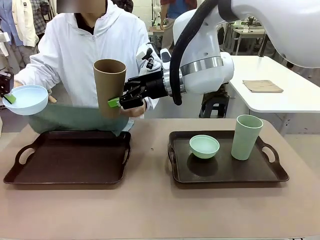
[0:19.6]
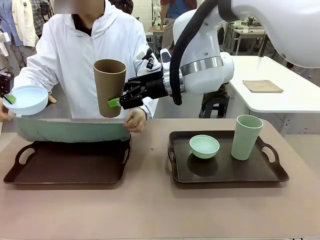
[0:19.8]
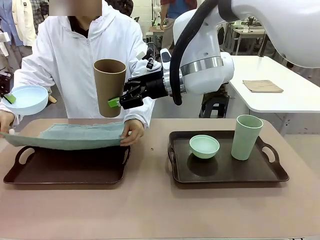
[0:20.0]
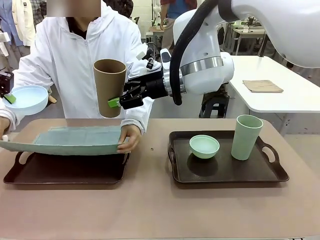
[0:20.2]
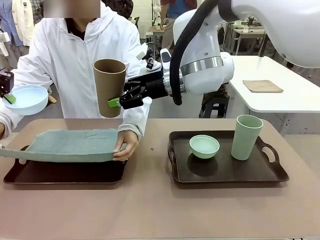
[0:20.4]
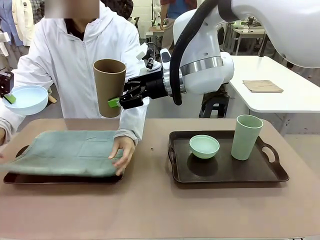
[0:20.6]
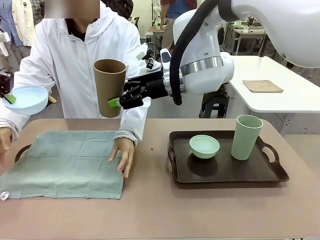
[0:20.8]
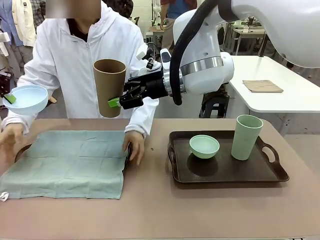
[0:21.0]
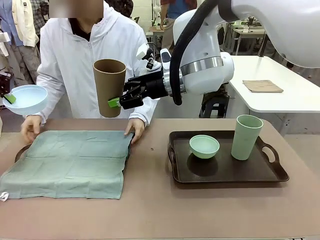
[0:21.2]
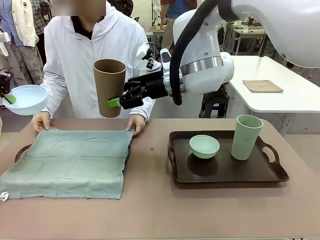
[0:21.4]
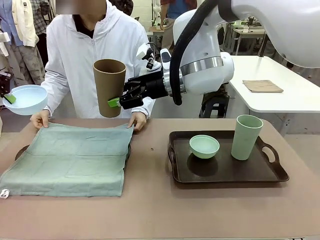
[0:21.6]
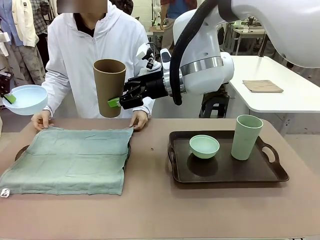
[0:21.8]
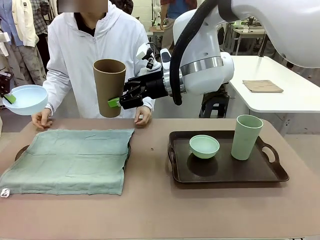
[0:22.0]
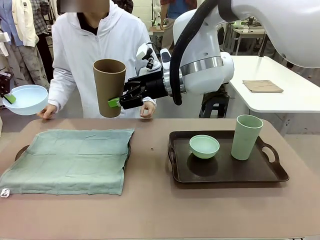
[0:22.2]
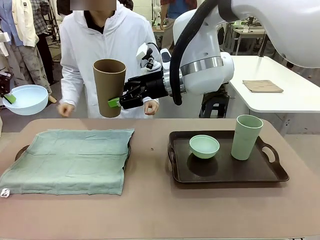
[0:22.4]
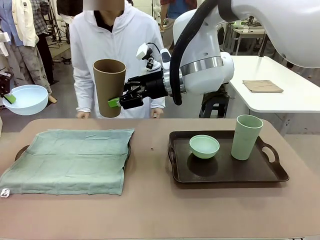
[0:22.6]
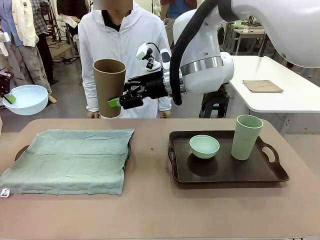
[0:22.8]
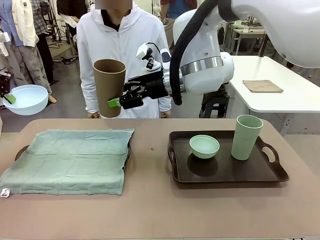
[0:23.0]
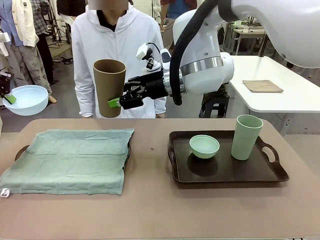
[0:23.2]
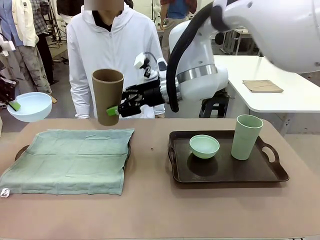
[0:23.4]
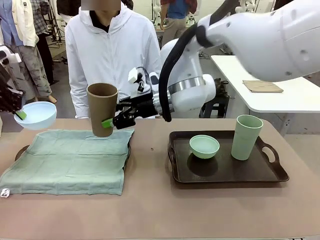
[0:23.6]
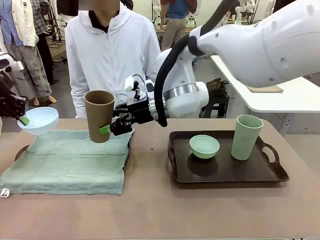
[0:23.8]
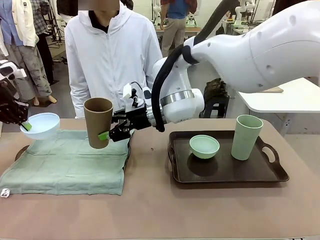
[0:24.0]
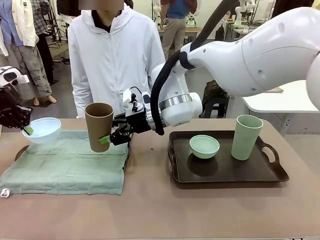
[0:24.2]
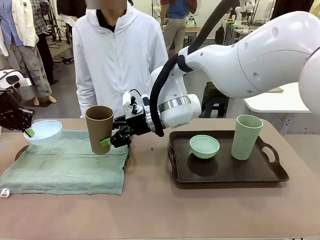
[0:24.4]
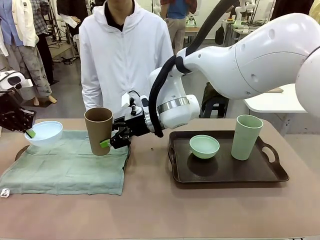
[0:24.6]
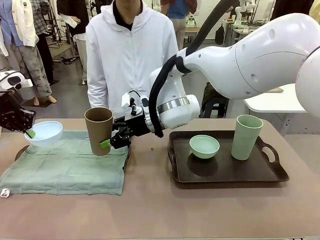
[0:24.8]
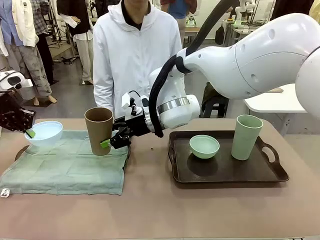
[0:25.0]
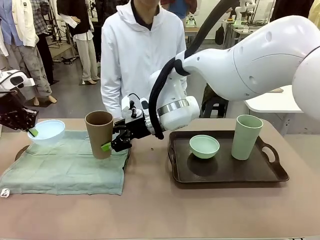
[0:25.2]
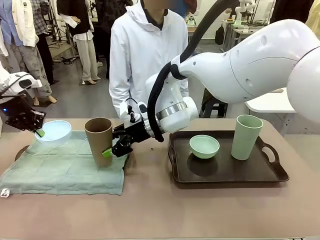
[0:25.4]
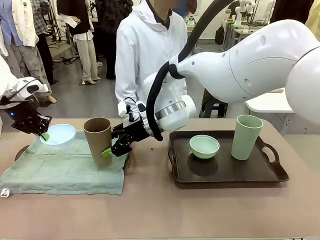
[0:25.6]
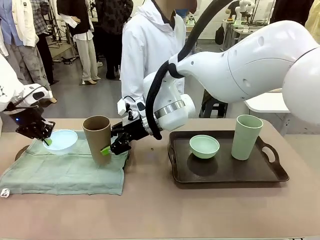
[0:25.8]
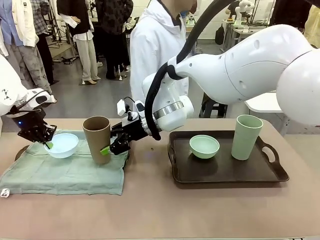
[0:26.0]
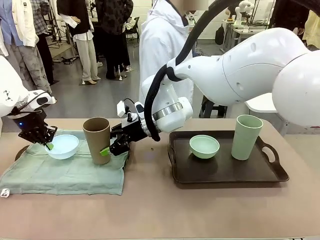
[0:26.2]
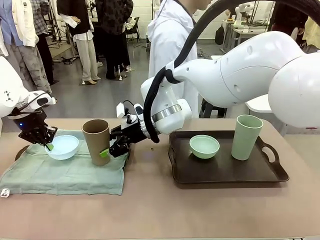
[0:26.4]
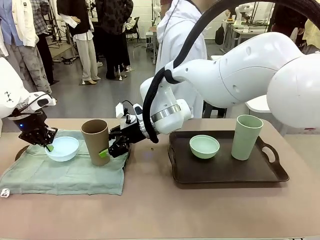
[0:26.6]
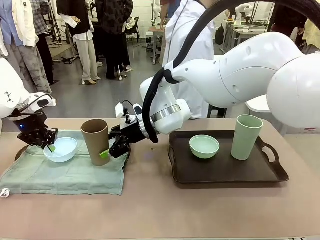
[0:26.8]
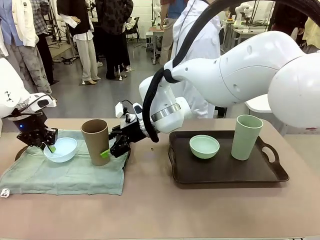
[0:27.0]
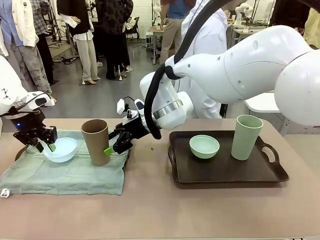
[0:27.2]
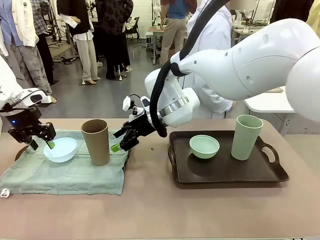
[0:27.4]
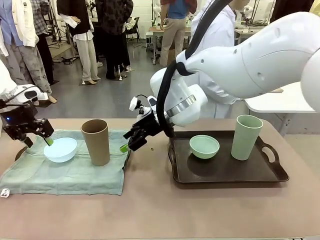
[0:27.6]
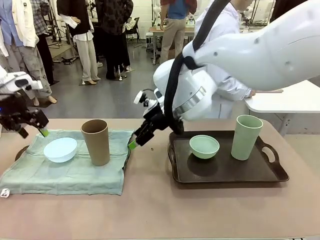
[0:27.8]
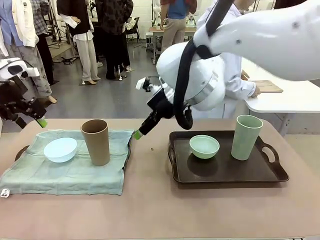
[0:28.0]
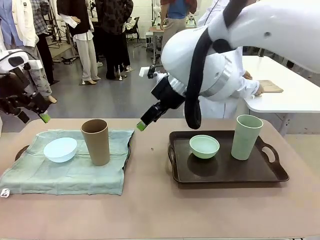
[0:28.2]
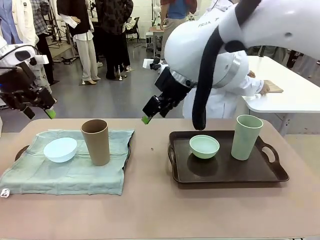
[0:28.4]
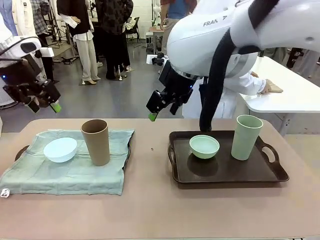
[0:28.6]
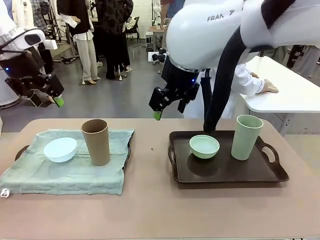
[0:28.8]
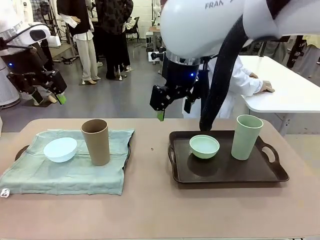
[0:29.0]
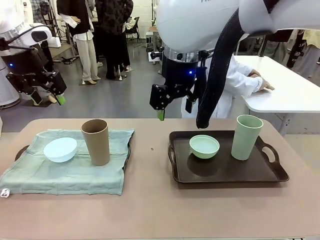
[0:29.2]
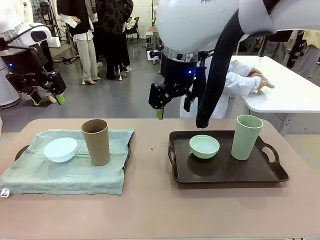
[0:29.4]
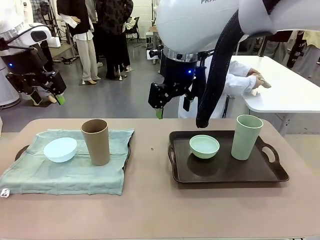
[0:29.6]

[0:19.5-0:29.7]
Robot: Place the Picnic Bowl and Reusable plastic cup back onto the Handle tray in front of the human's position.
Person: The human returns to the human table to pick up another napkin and walks to the robot table to stand in front of the tray without a napkin.

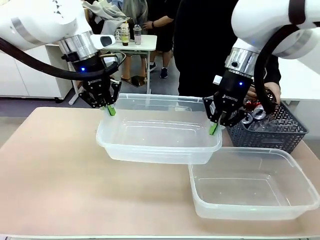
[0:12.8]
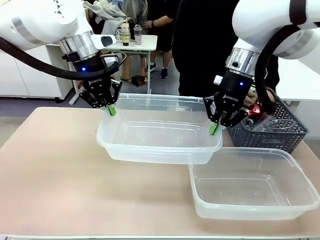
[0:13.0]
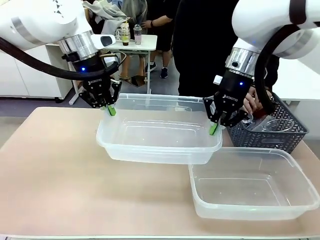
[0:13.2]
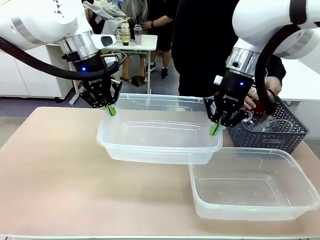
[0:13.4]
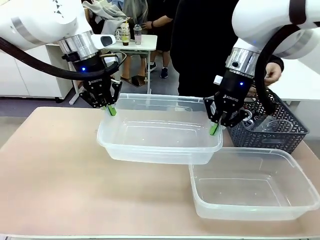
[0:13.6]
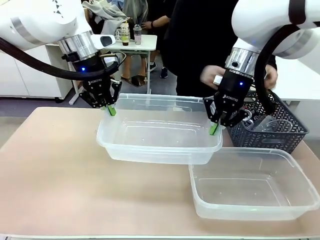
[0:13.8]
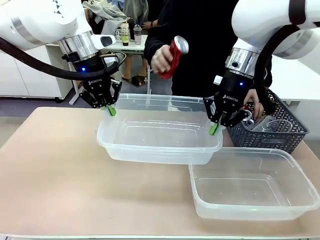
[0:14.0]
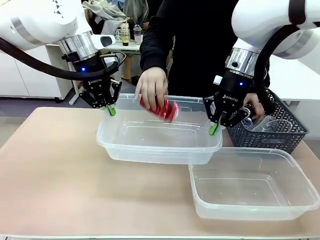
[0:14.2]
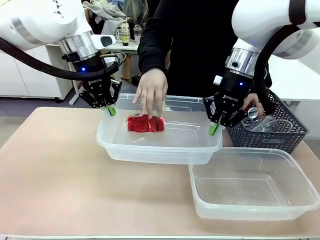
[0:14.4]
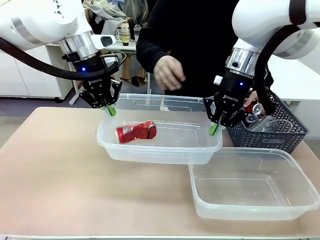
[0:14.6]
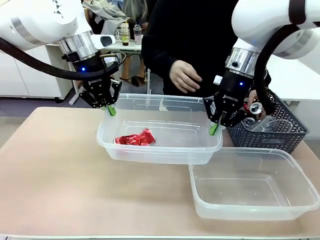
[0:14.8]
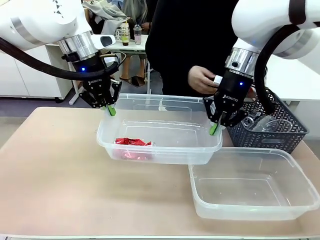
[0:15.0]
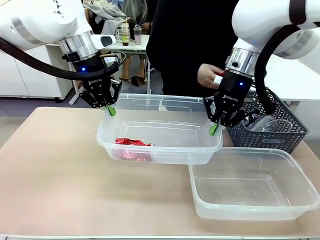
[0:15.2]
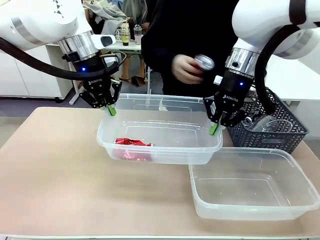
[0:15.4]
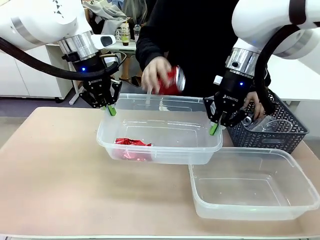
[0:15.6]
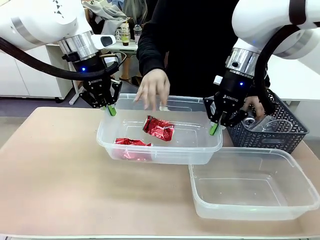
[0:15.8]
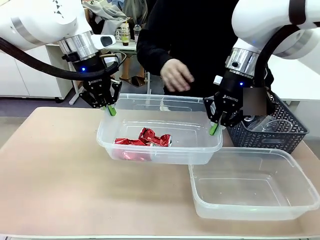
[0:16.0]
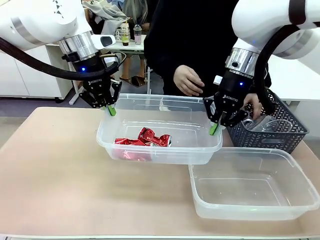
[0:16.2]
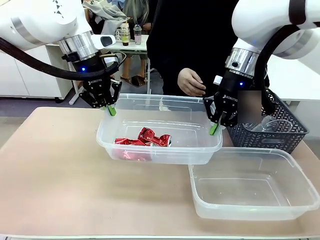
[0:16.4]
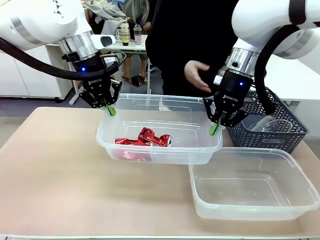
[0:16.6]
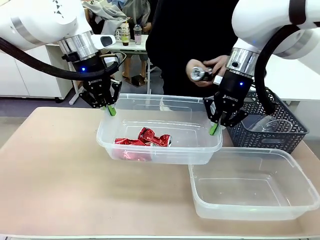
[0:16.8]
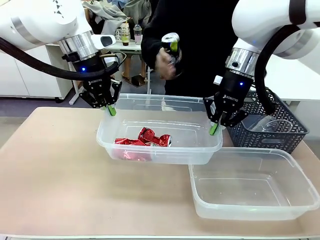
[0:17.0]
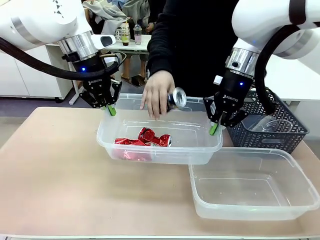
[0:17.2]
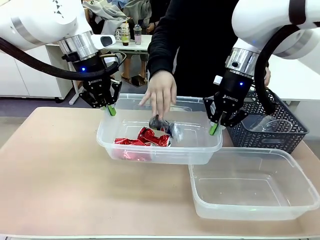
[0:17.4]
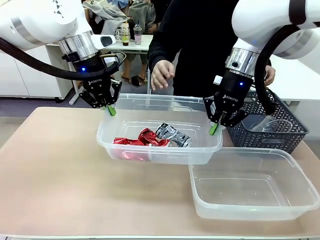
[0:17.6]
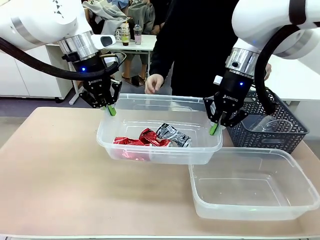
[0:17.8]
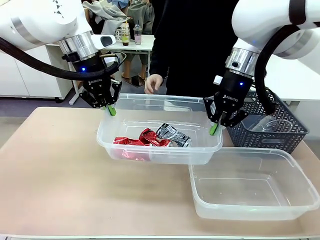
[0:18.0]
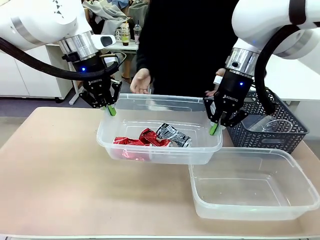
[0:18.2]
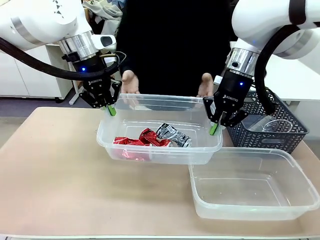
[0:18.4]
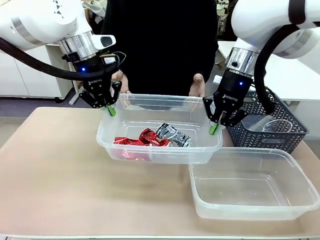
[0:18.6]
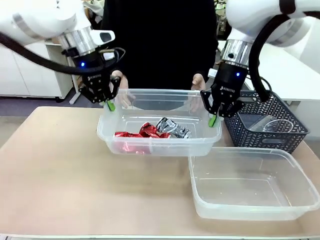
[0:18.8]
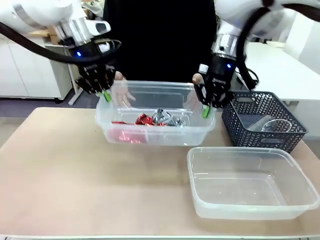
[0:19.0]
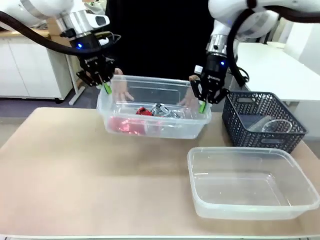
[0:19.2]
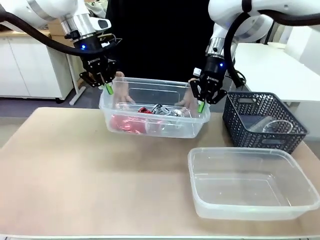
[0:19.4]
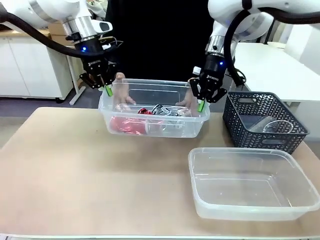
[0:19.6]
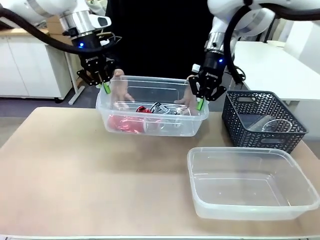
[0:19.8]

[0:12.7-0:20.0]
Robot: Offer the picked Organizing box to the human.

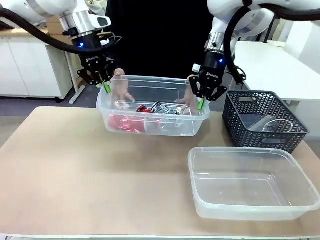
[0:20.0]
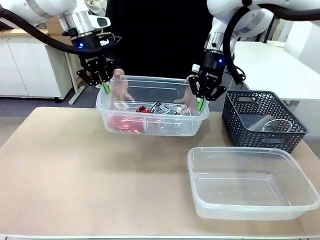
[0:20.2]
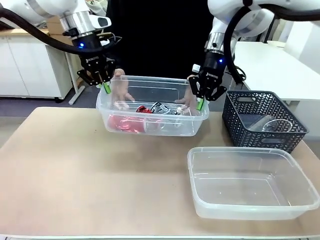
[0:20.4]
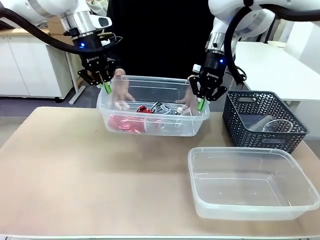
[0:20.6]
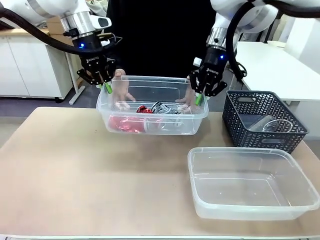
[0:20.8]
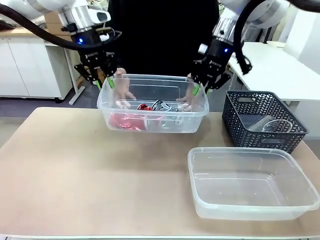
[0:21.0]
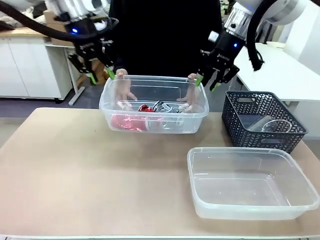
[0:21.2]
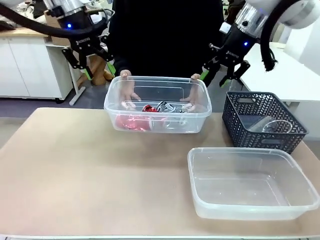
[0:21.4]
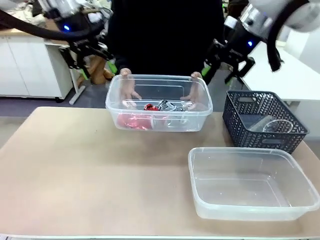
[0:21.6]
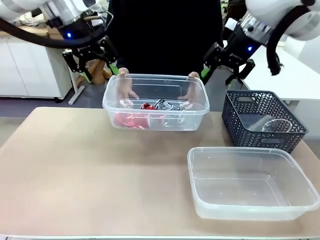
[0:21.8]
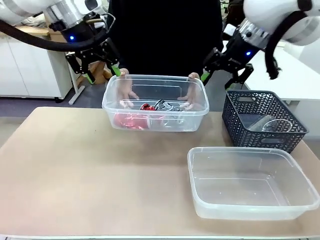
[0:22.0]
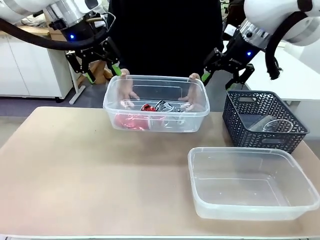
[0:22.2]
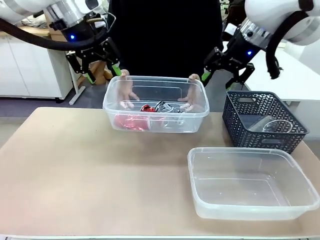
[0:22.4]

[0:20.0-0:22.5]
Robot: Release the Organizing box you were holding.
